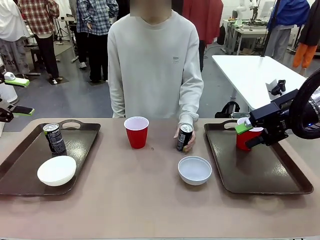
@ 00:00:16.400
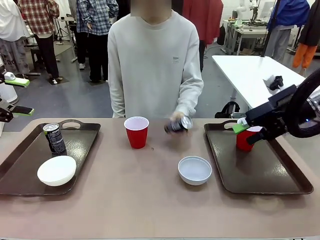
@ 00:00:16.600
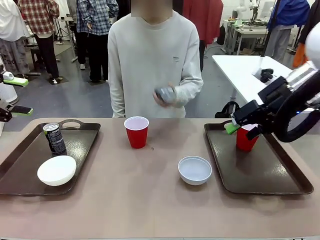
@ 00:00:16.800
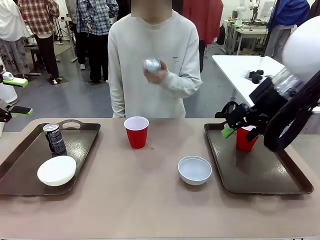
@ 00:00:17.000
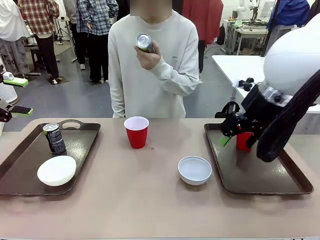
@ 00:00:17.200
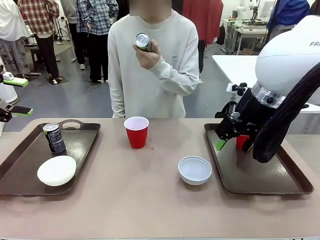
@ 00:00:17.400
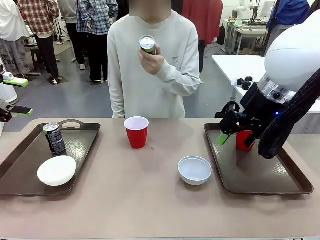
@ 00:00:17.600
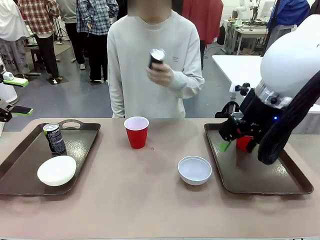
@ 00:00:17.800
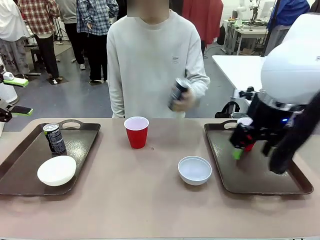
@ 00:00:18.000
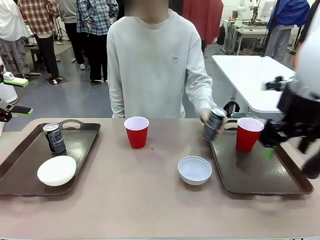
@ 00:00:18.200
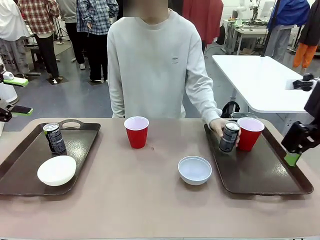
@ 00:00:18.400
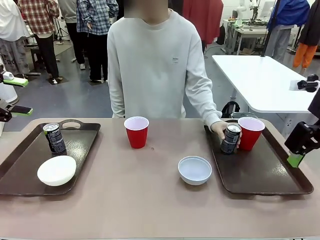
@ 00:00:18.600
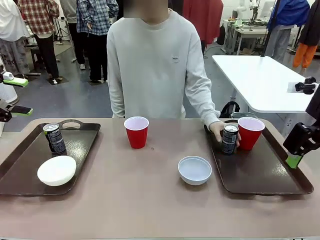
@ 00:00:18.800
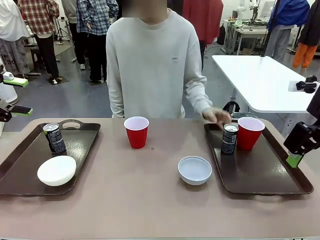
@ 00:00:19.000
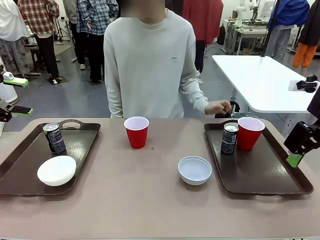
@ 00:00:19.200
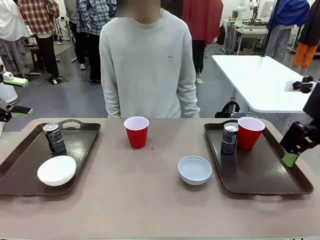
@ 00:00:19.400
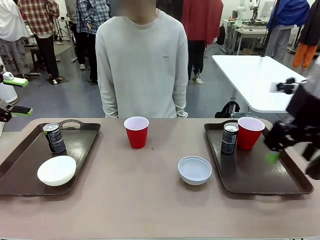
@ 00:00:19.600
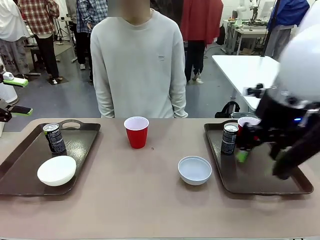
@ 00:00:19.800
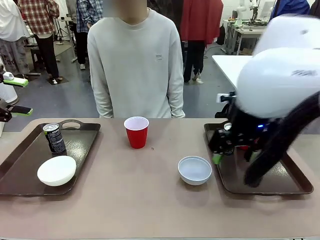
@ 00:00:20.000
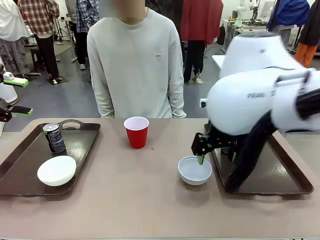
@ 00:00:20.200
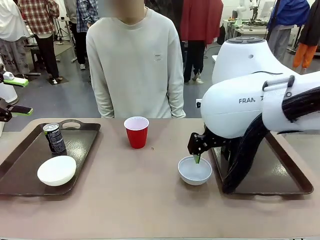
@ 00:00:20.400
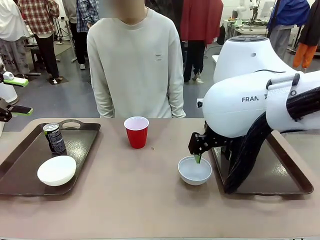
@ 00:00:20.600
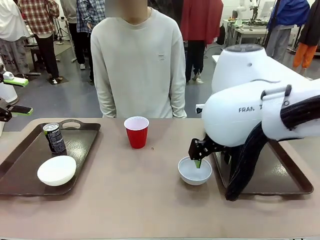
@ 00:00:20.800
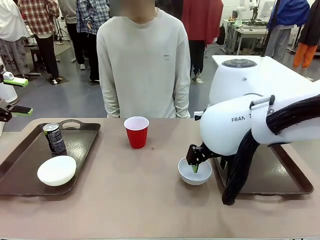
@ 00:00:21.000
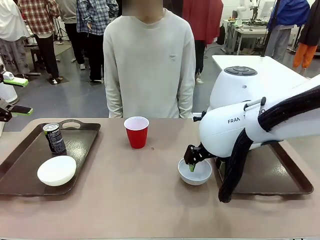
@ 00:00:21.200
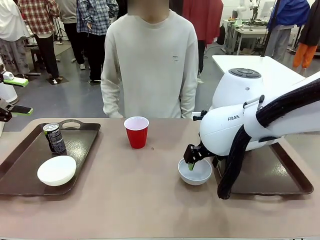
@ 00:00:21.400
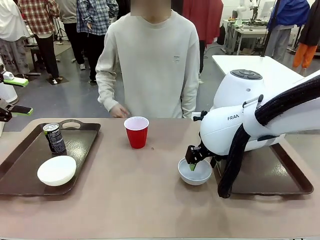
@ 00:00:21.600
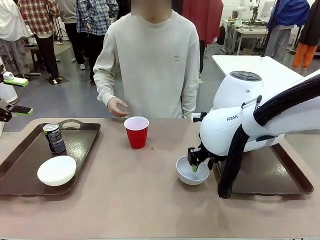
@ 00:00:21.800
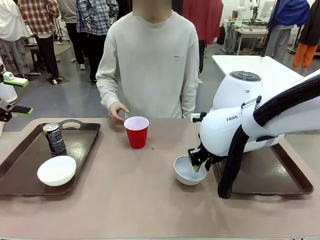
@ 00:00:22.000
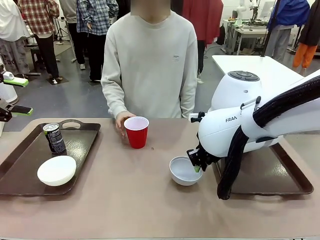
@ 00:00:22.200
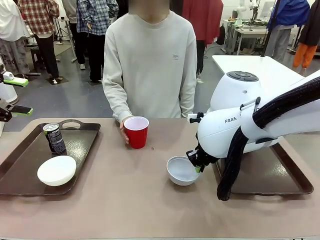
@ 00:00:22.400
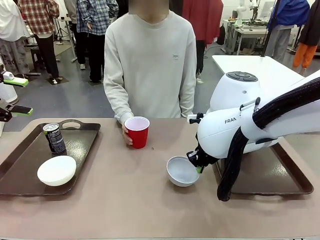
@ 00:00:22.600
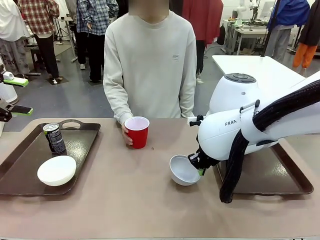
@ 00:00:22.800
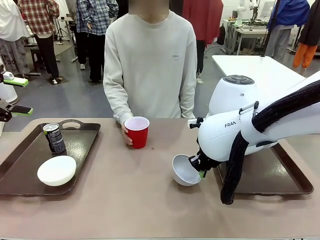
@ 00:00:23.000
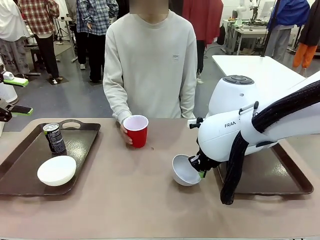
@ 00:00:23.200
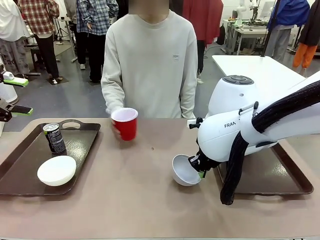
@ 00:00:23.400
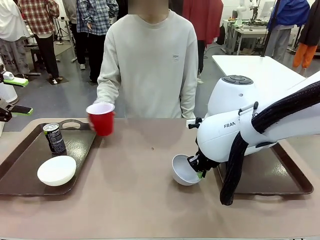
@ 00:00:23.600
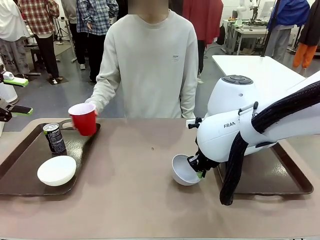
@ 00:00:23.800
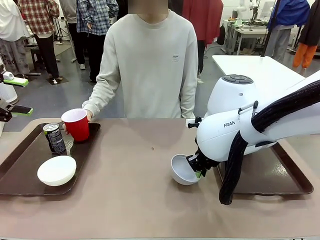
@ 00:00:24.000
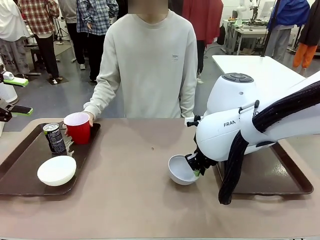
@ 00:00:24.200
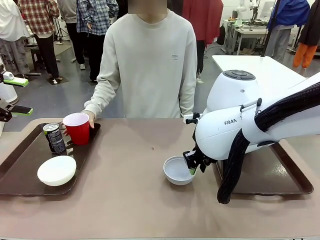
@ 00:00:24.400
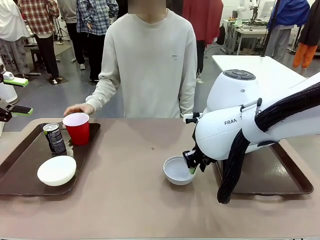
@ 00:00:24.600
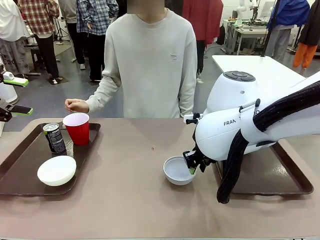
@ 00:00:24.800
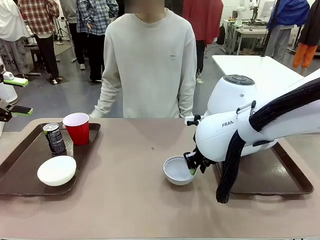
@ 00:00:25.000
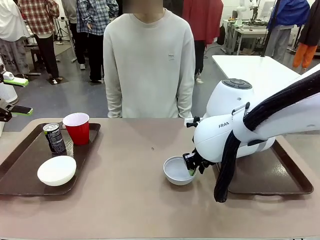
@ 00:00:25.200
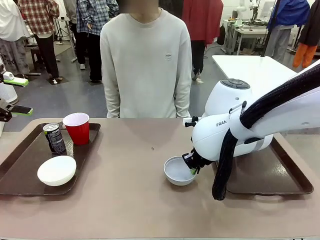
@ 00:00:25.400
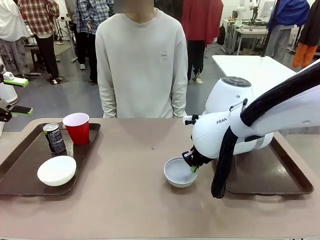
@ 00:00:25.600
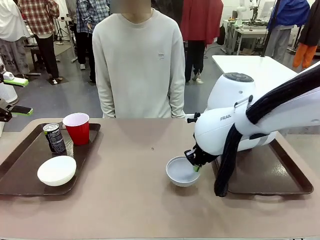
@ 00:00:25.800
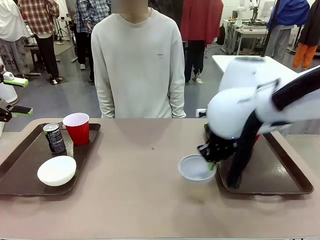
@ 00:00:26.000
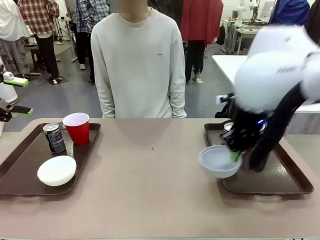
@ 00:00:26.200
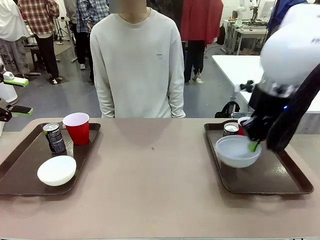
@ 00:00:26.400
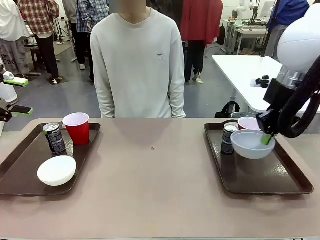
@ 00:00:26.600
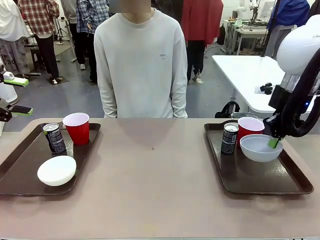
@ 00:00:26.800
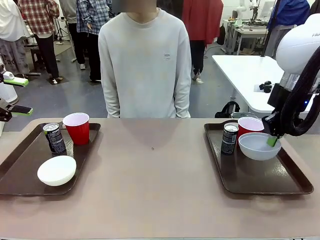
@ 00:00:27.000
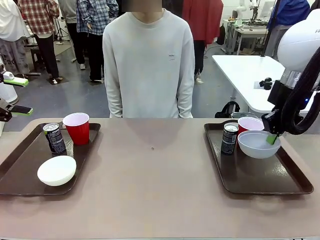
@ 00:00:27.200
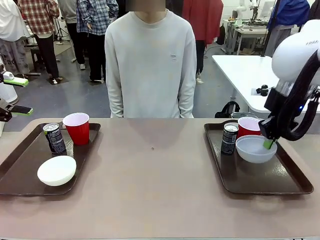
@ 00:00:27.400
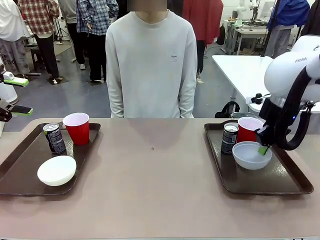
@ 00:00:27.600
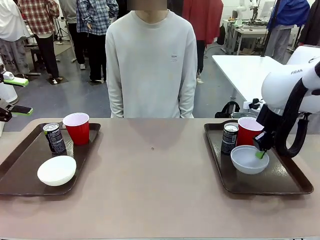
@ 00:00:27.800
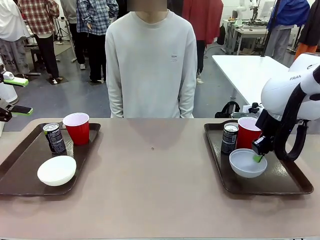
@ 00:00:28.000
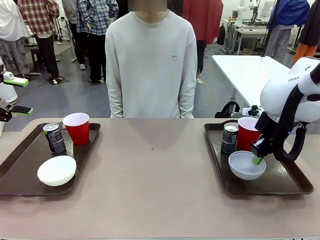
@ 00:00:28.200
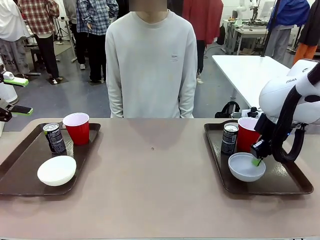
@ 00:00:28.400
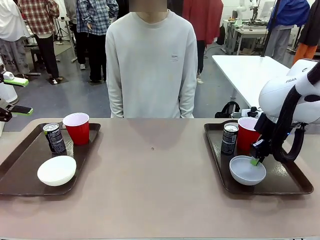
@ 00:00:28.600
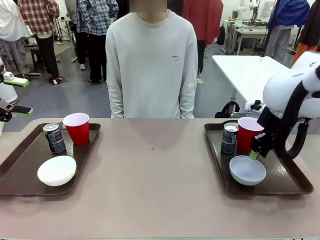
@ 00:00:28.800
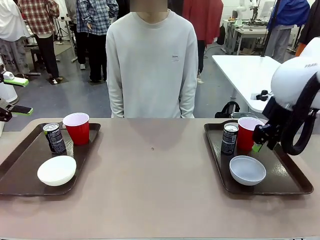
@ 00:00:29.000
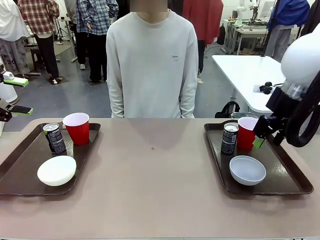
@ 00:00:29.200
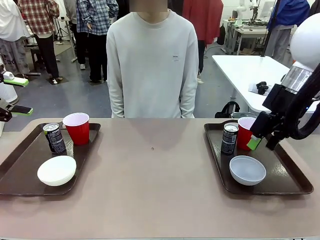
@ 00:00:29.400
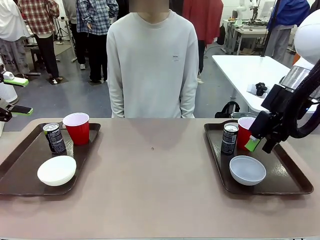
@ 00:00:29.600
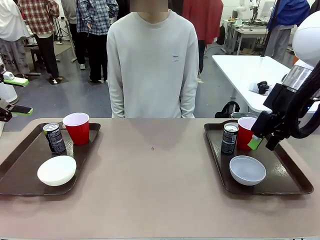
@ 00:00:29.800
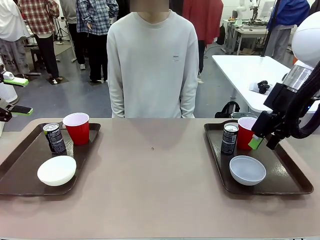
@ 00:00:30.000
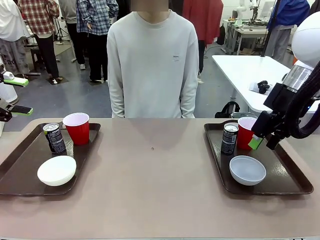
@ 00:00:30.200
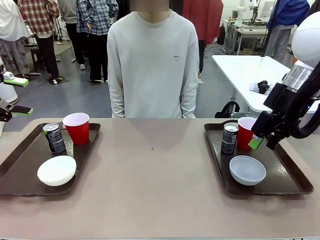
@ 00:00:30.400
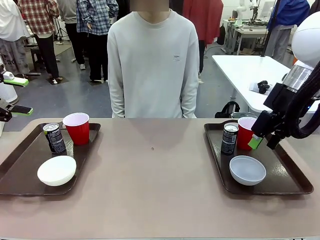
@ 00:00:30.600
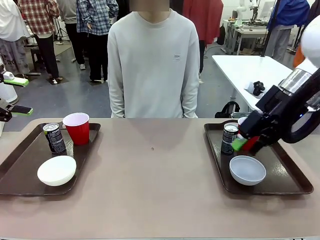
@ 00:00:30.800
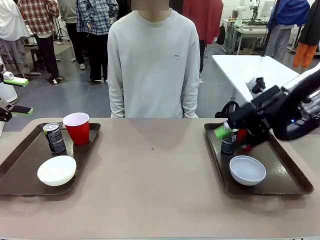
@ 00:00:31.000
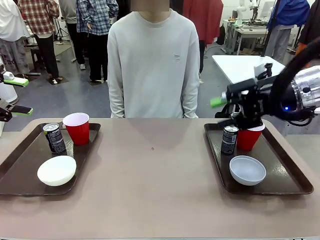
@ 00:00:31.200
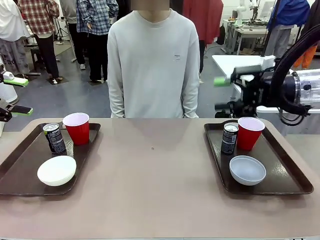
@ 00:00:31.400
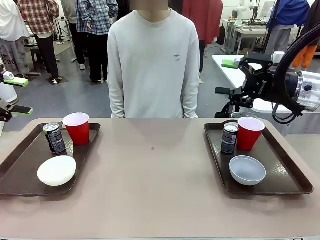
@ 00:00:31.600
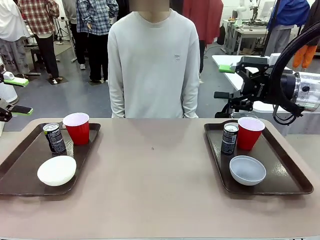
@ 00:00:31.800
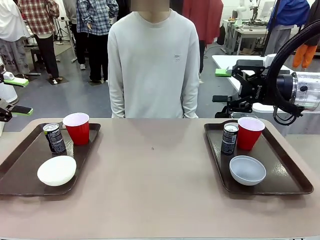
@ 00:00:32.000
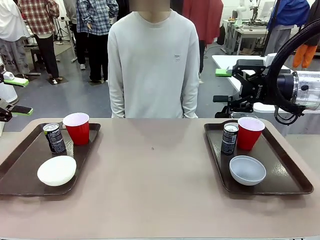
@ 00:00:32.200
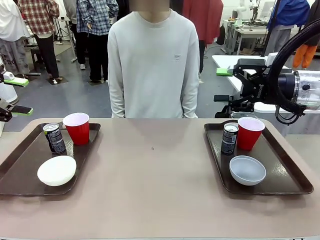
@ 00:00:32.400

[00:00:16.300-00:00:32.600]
Task: Prepare tableware on both trays.
Robot: Pick up a Picnic Bowl from the table and place it on a Handle tray.
Person: Pick up a can or cup and place it on the tray without a can or cup.
